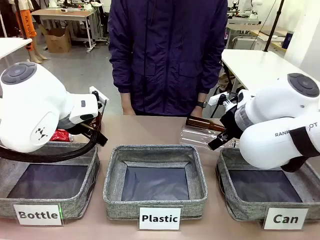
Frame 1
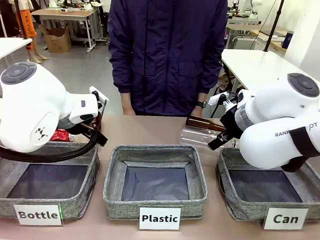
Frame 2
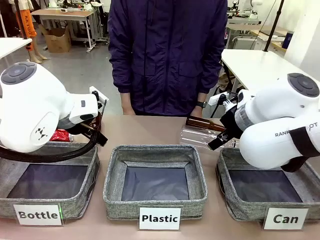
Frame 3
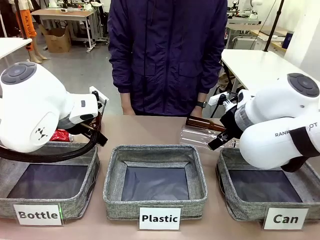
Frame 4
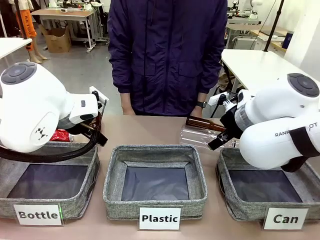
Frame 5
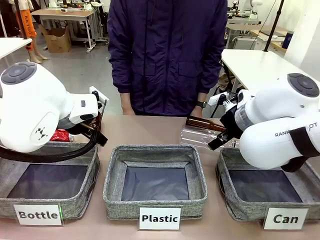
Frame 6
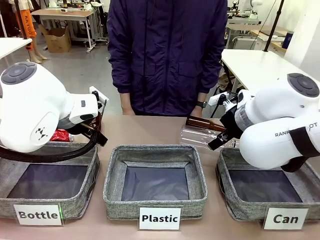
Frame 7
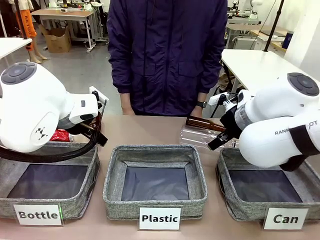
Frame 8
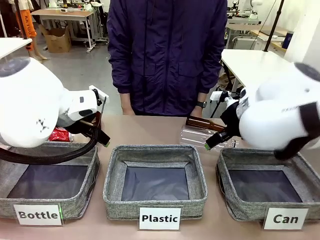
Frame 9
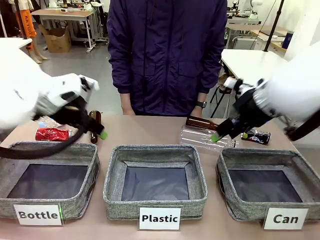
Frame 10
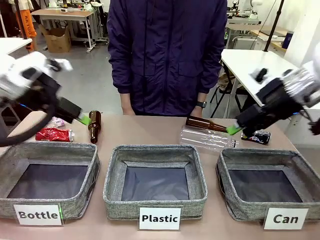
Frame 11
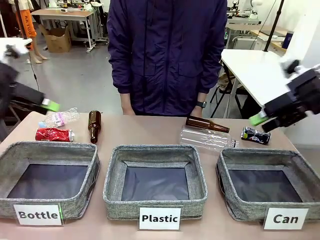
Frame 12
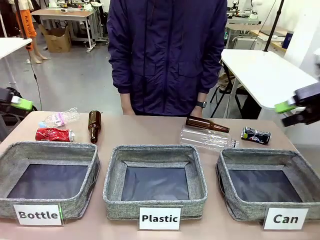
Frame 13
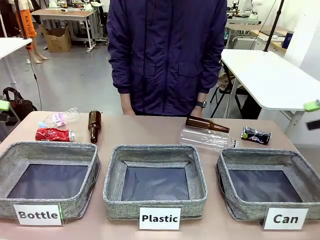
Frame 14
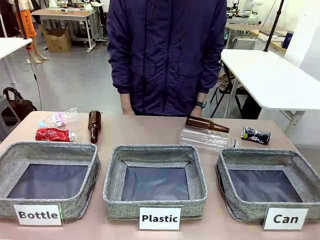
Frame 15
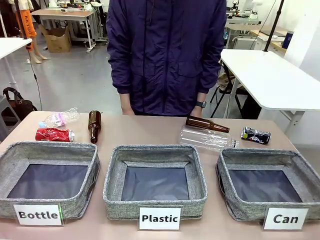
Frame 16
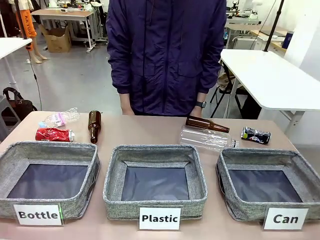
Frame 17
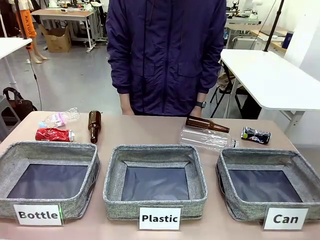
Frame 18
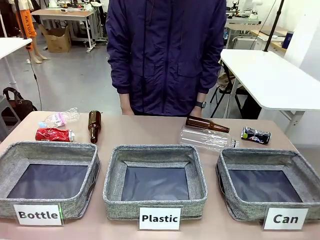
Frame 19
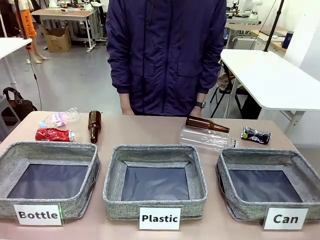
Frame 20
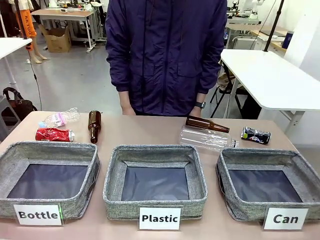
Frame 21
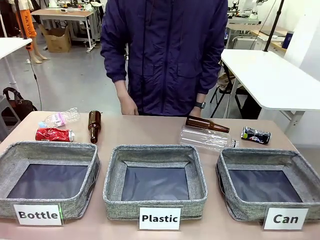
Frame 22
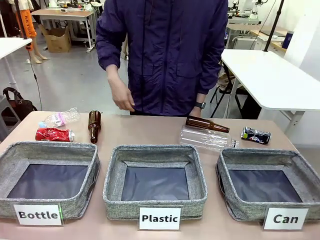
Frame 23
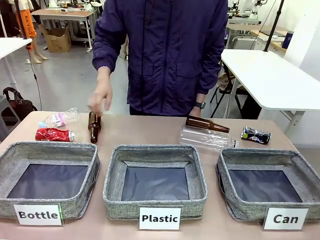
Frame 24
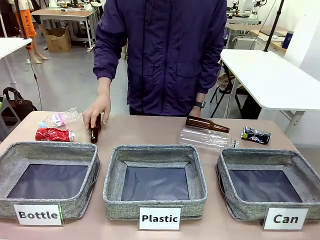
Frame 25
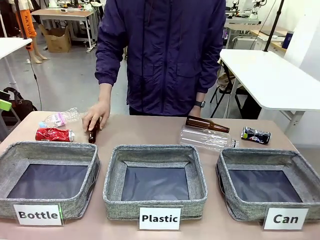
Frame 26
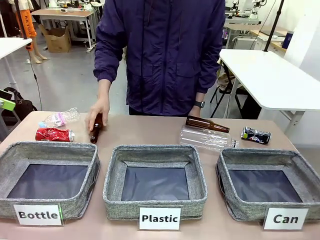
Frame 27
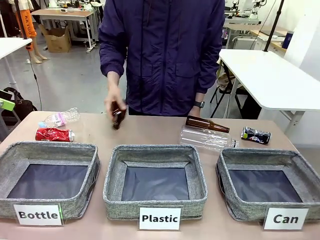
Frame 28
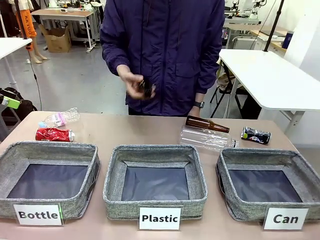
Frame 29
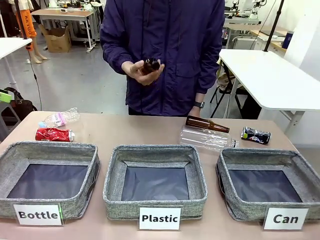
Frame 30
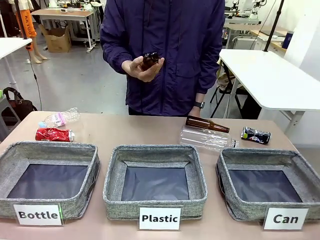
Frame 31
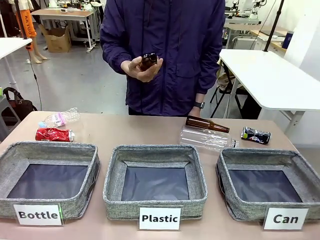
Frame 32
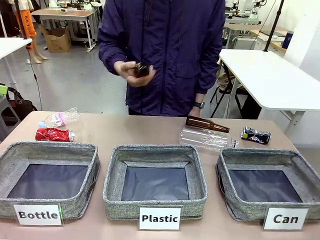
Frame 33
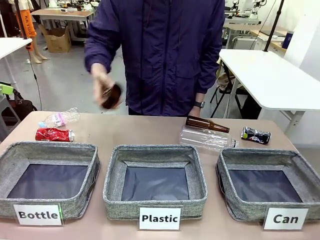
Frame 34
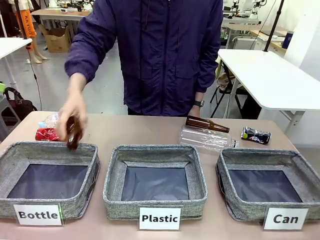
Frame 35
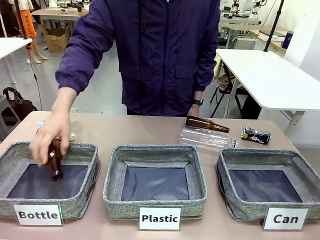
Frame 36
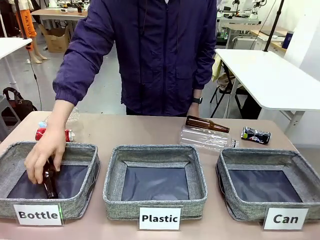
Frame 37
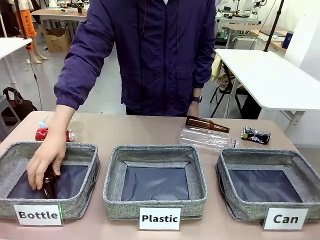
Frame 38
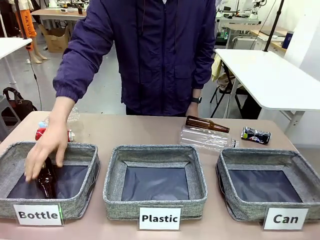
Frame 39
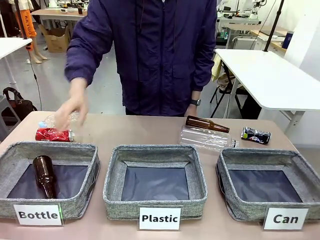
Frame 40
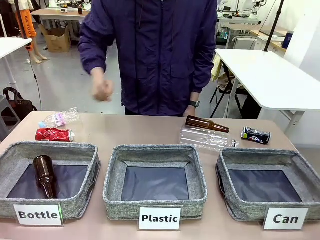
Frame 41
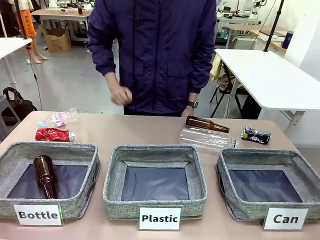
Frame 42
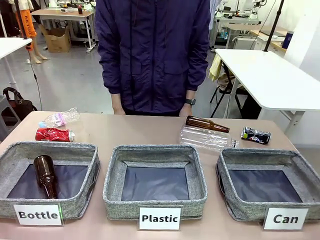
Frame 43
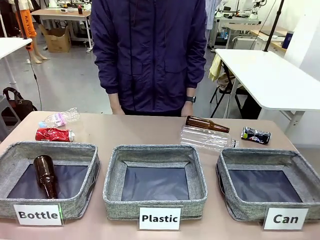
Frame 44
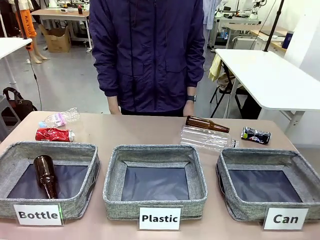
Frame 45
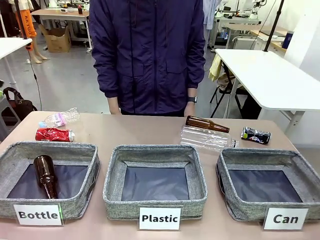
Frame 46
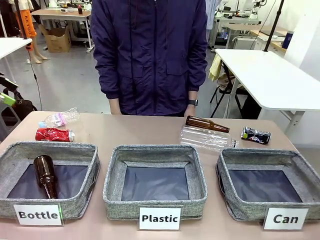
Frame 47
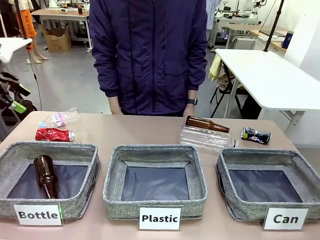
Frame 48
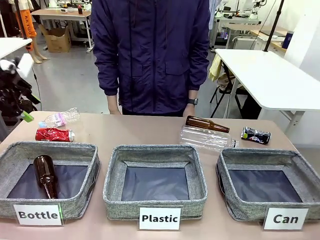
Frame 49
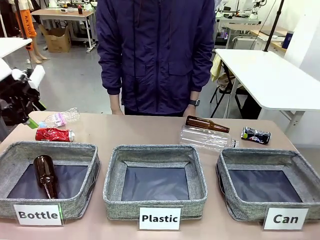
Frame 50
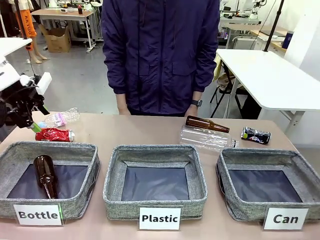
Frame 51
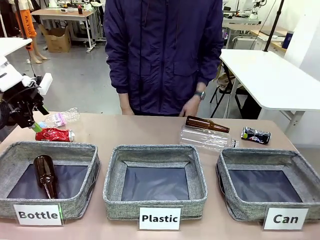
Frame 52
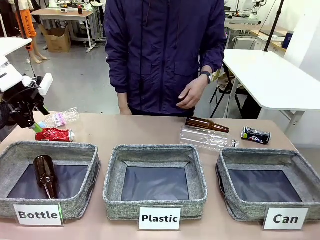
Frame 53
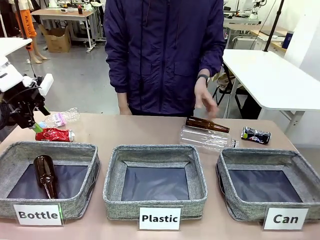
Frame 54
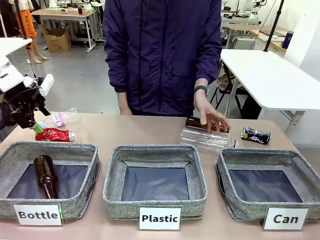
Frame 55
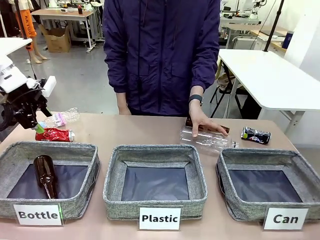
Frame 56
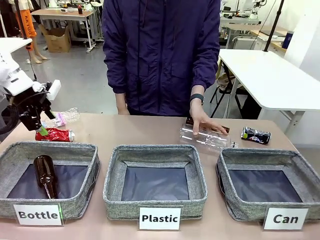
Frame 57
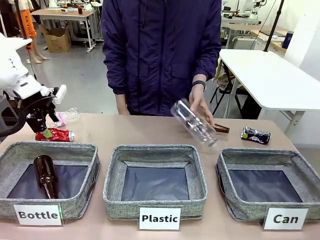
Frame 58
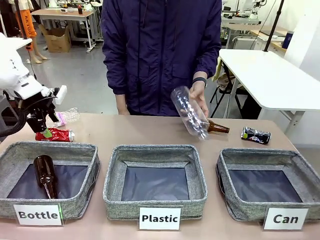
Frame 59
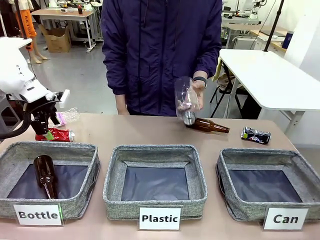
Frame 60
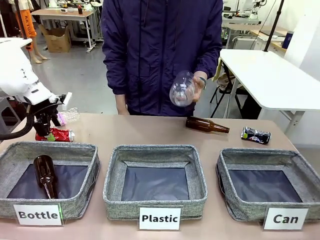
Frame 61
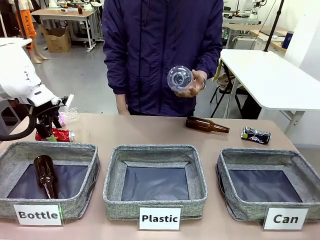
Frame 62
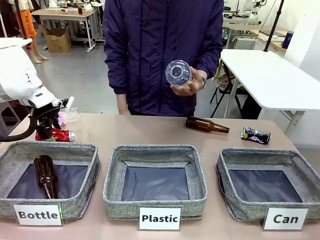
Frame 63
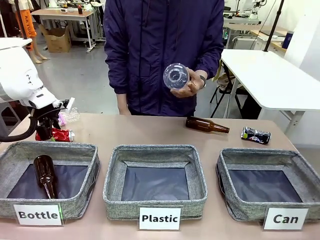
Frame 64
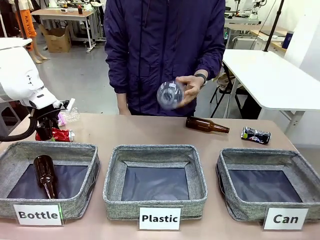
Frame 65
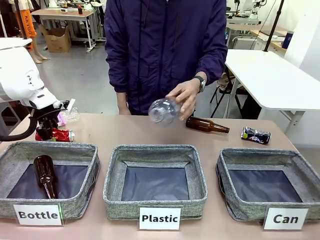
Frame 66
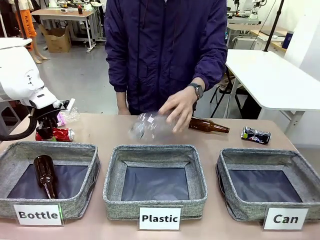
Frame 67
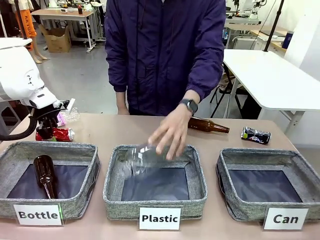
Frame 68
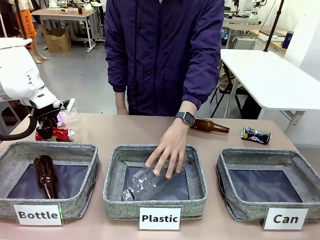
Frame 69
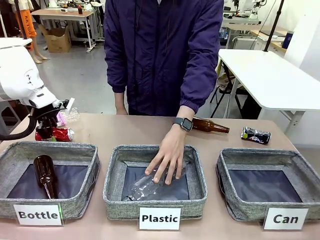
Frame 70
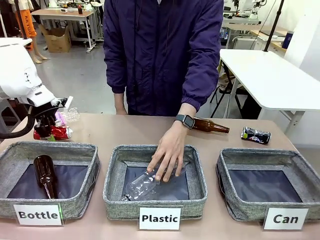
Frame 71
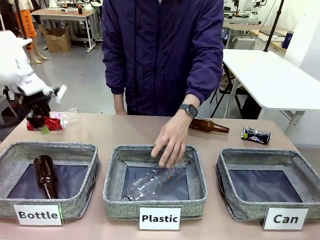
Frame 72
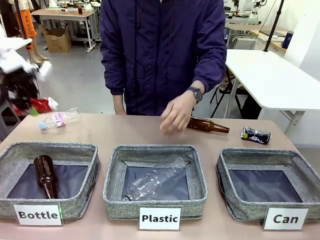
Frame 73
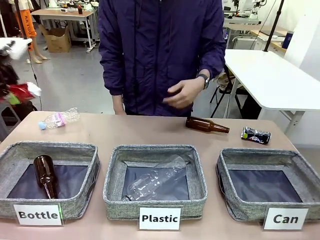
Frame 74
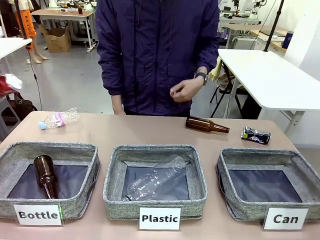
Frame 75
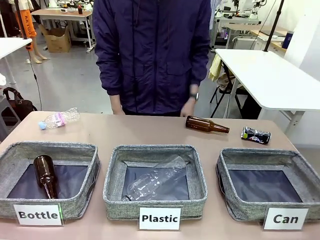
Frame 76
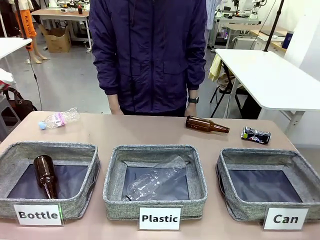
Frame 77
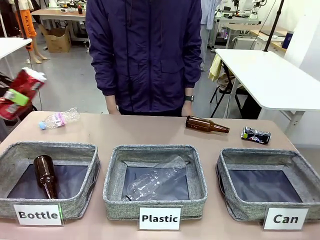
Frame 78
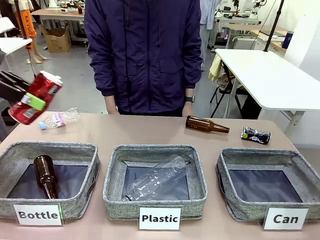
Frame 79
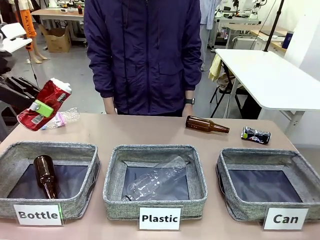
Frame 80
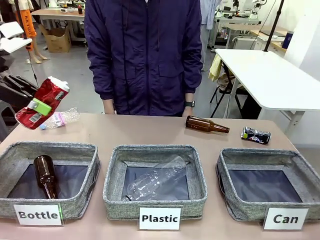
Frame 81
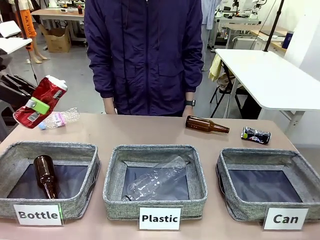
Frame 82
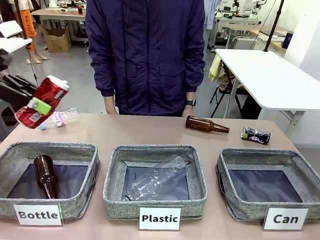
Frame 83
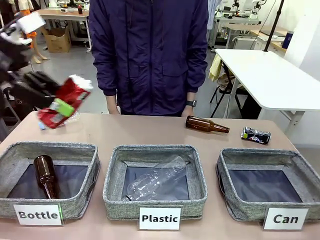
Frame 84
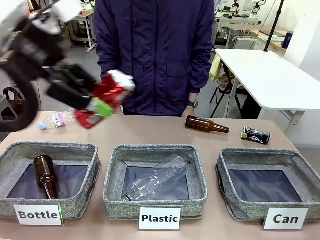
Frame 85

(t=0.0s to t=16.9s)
Task: Sort the can waste into the basket.
Robot: Pick up the can waste from the table and place it in the right Fabric basket.
